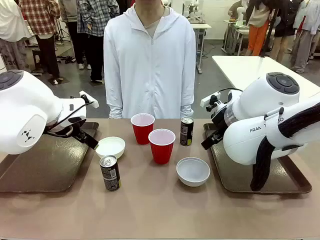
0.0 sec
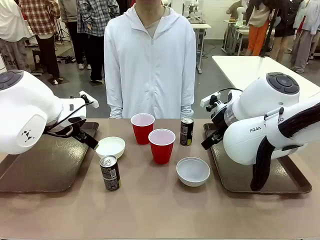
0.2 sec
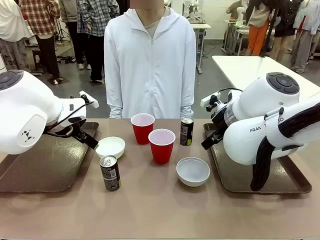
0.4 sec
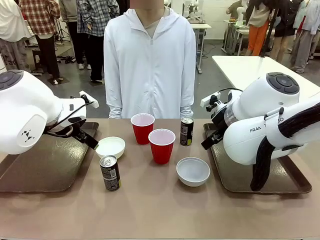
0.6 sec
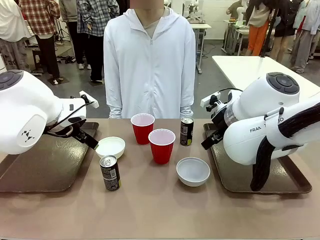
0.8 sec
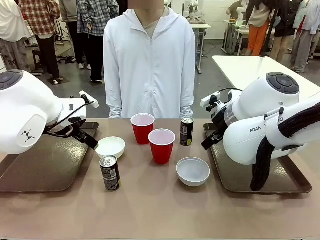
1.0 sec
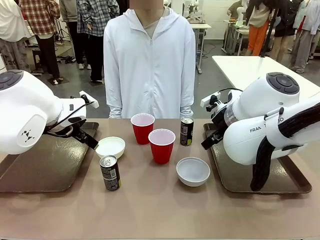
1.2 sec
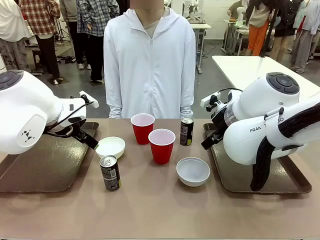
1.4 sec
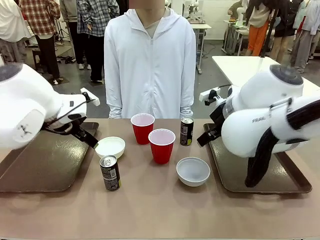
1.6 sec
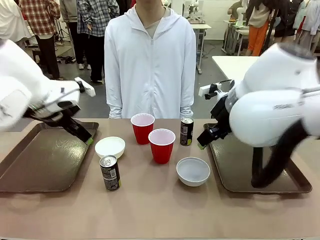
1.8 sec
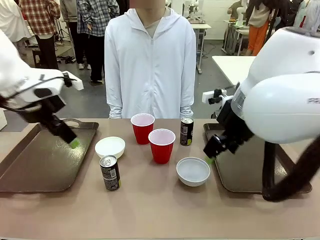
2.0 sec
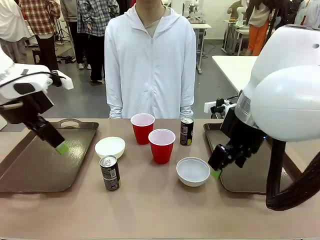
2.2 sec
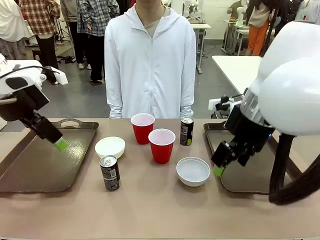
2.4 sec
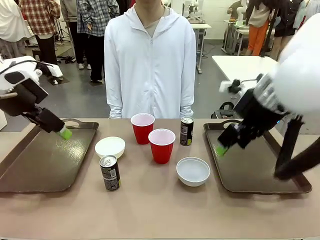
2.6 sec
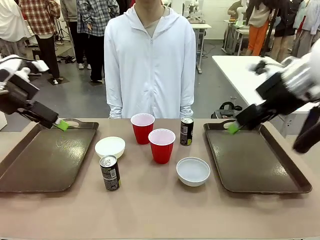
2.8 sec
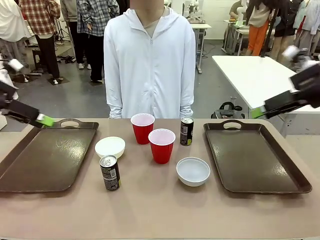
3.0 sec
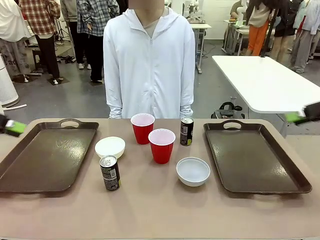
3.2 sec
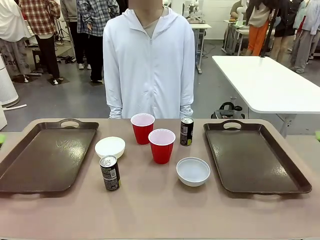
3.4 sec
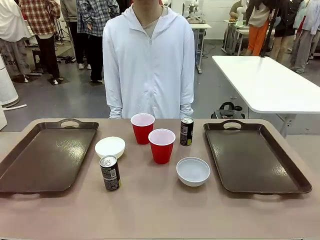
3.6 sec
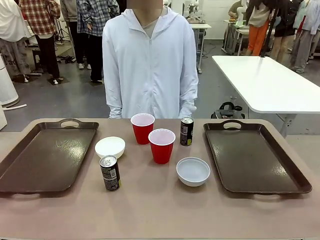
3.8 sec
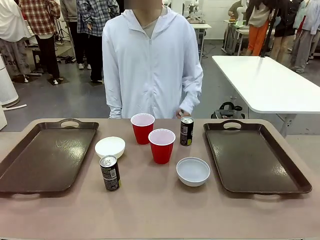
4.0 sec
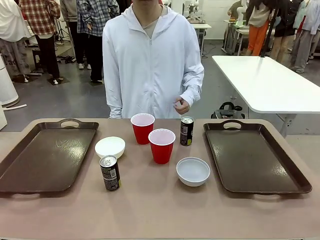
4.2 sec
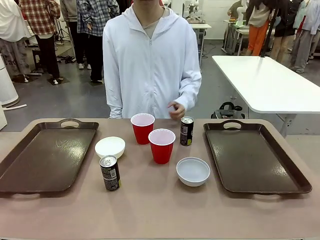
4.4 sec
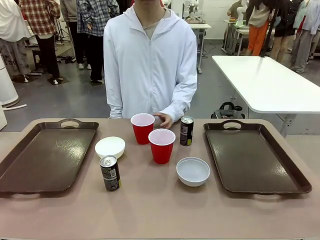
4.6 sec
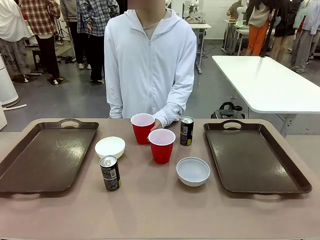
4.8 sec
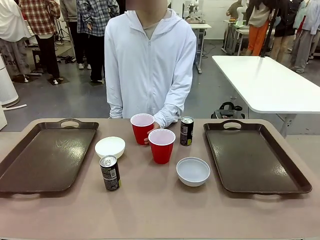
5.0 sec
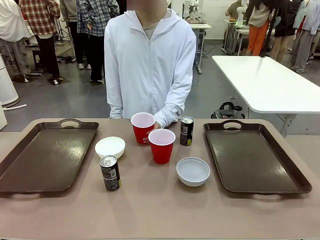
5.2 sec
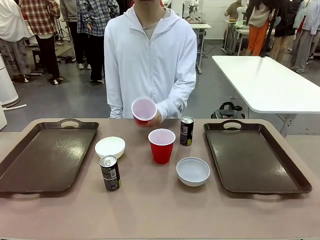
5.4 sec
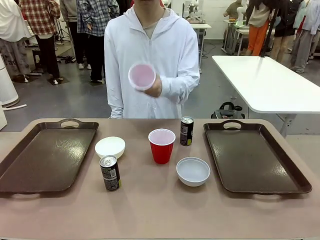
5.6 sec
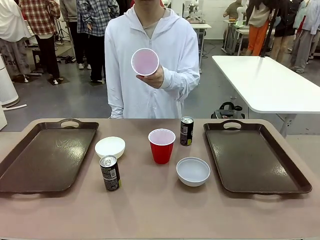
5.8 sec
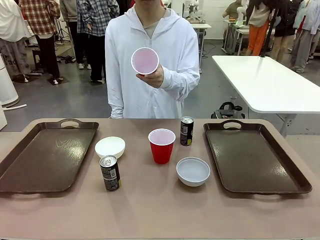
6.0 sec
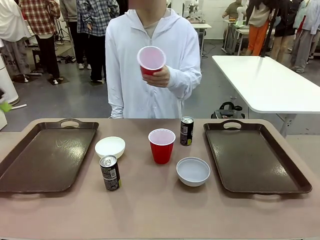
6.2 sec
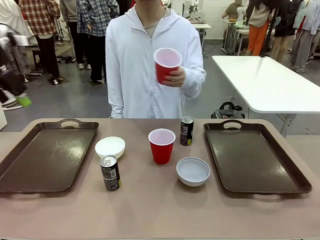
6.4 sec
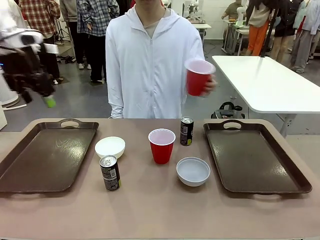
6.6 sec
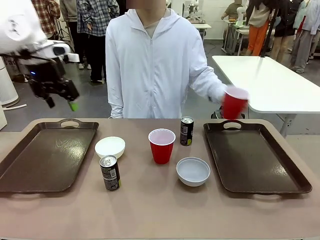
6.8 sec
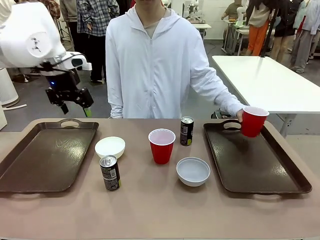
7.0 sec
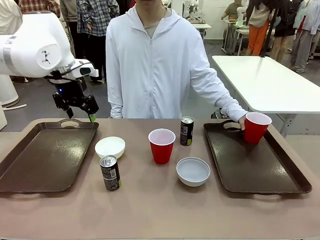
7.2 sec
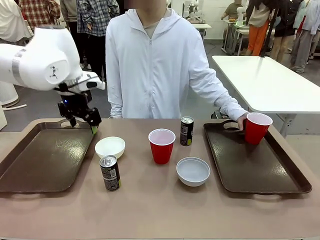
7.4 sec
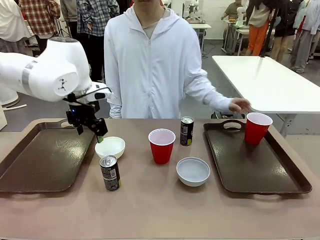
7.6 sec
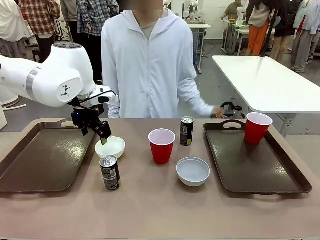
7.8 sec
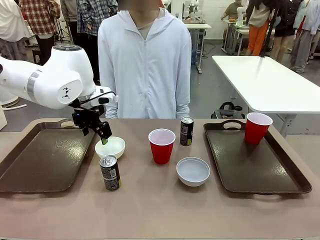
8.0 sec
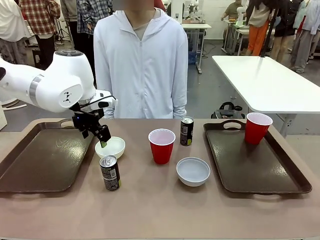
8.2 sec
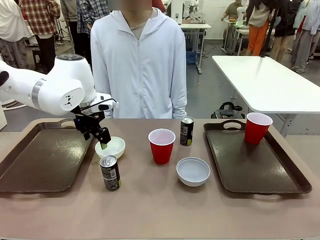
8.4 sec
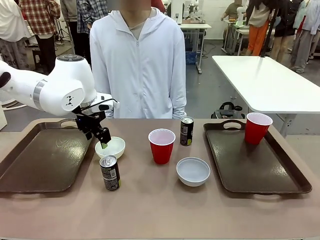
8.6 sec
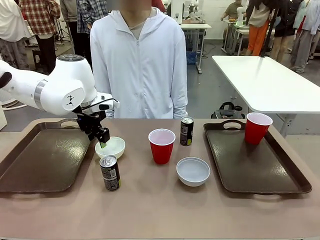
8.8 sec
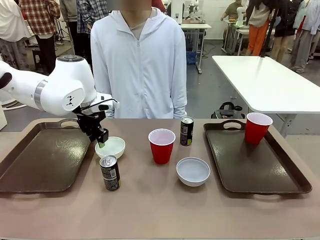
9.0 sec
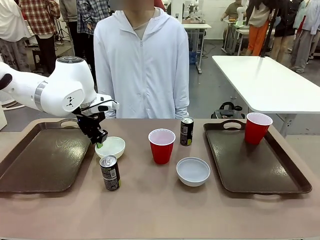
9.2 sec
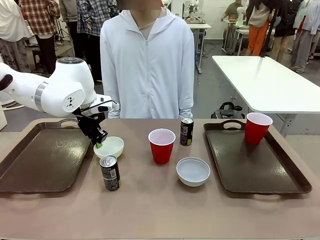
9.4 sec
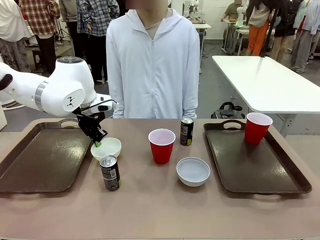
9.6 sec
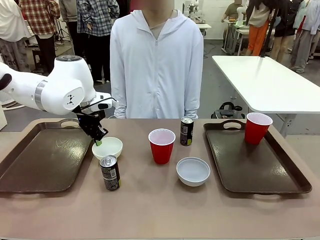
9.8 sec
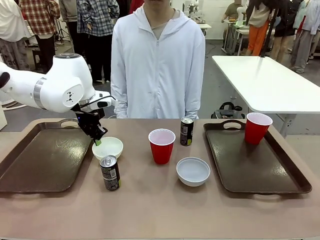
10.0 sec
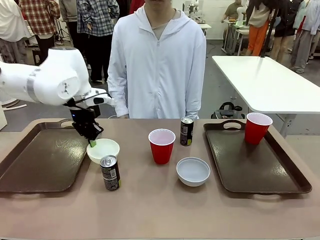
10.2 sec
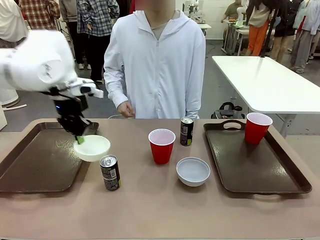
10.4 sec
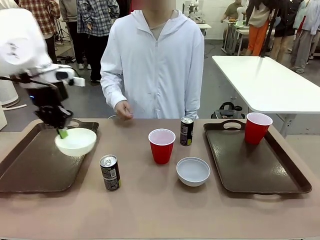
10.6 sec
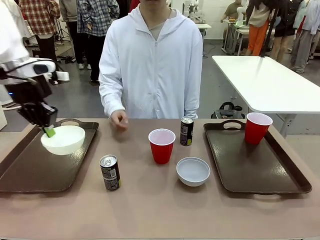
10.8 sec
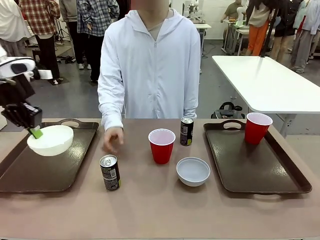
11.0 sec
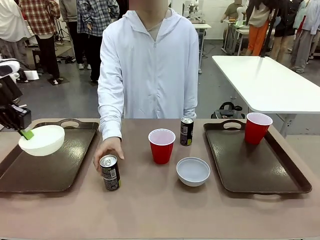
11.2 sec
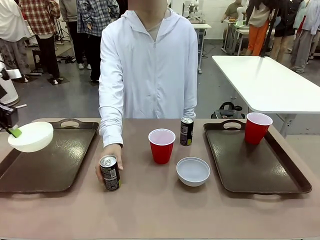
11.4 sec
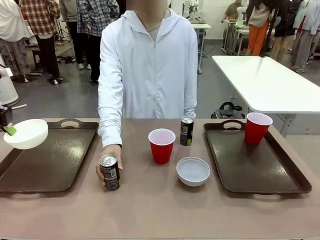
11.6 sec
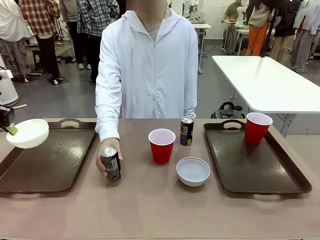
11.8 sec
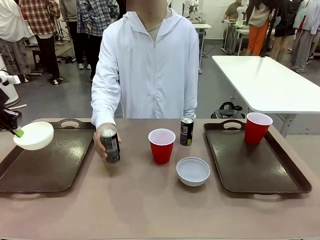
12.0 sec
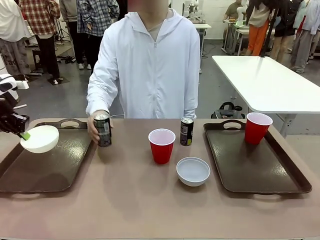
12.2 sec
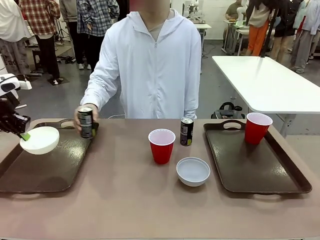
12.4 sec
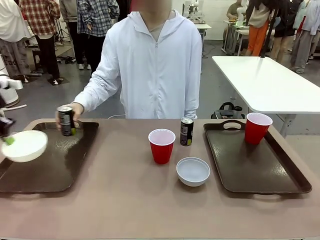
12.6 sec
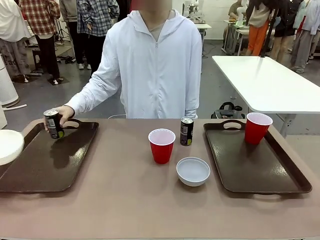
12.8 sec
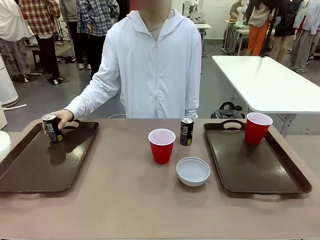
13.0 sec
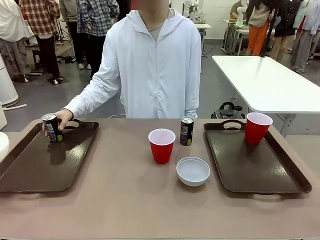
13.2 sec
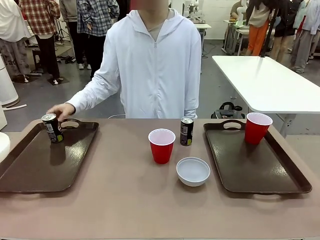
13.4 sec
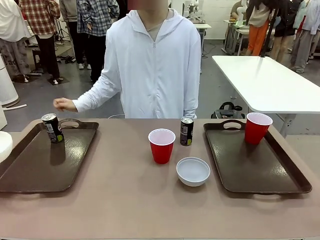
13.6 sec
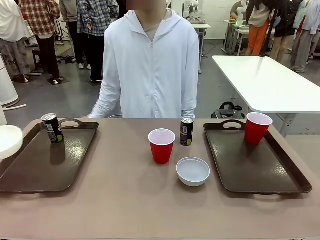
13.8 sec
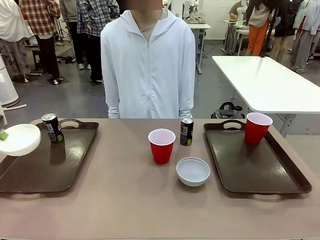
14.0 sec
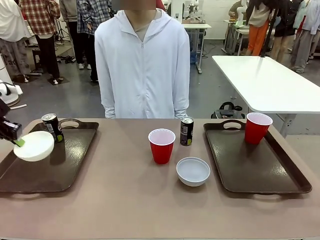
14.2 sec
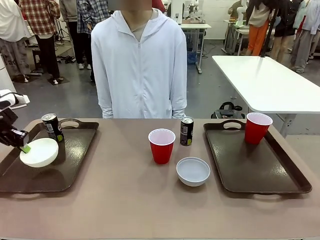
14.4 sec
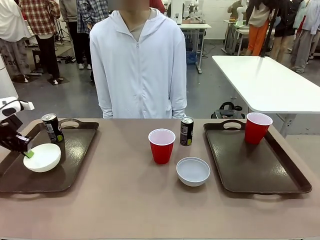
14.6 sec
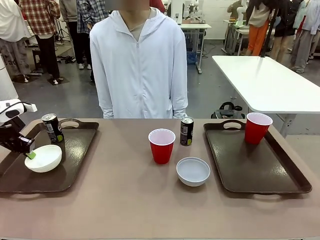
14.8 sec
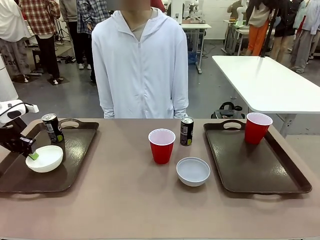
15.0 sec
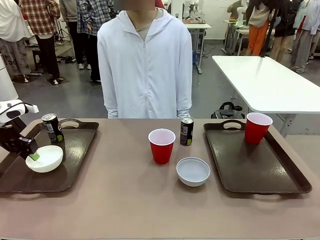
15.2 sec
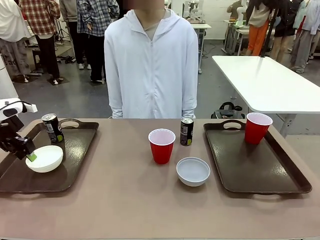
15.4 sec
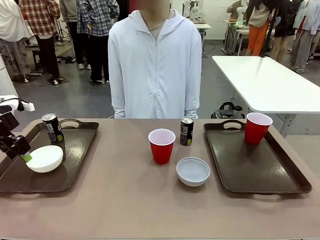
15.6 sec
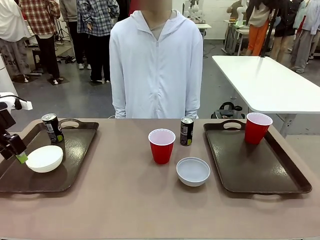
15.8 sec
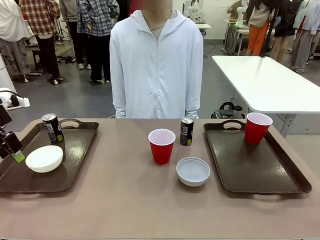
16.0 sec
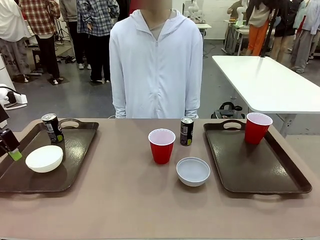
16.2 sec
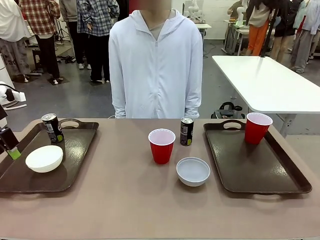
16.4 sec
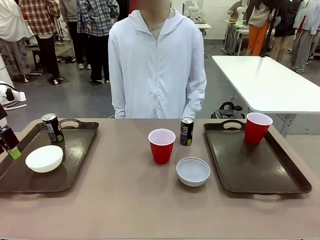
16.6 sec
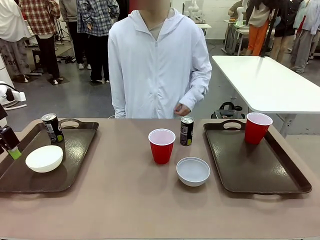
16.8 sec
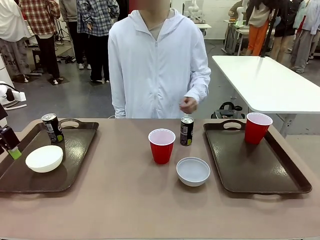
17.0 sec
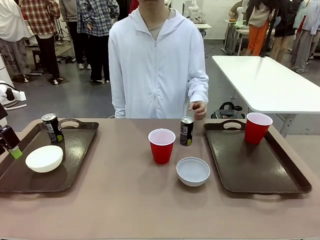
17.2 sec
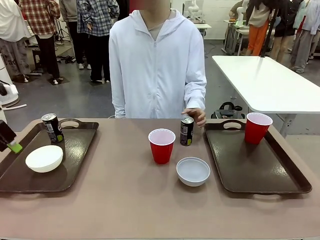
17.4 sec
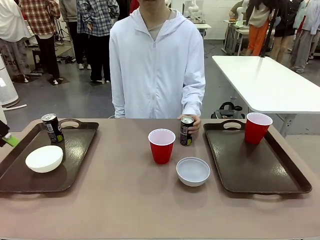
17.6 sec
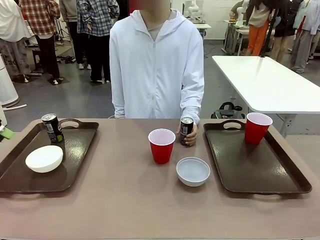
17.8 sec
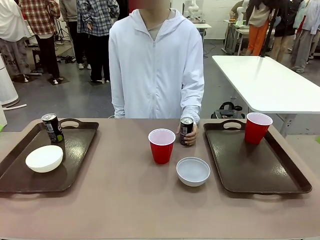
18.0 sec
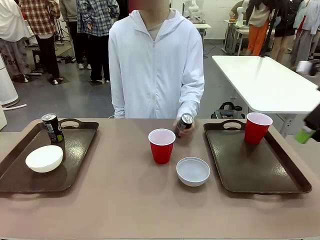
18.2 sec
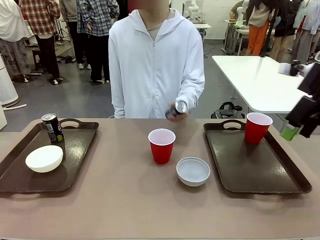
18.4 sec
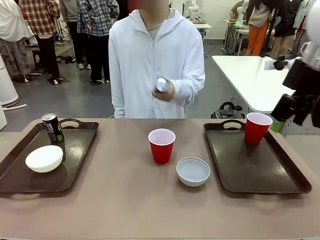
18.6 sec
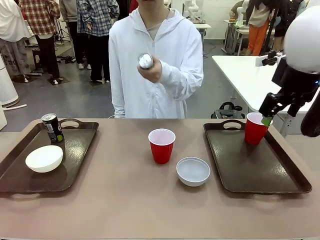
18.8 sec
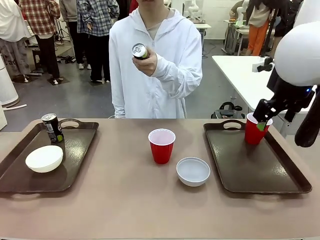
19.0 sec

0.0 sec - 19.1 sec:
Task: Prepare tableware on both trays.
Robot: Pick up a Picnic Bowl from the table and place it on a Handle tray.
Person: Pick up a can or cup and place it on the tray.
